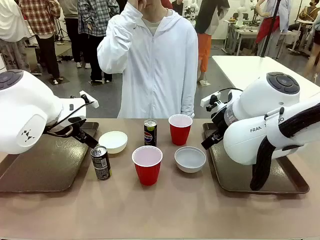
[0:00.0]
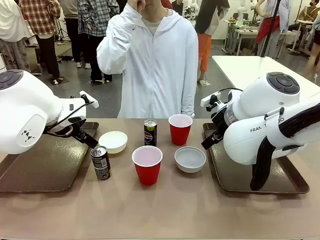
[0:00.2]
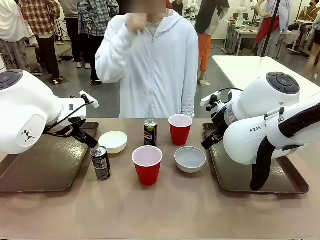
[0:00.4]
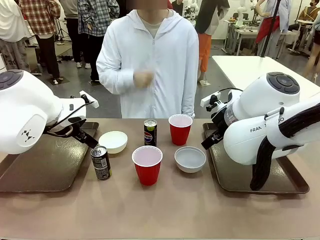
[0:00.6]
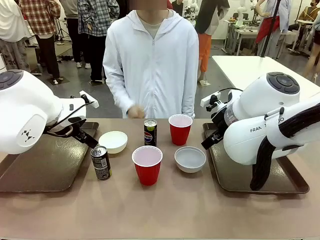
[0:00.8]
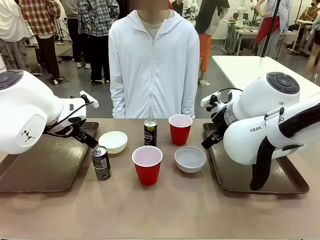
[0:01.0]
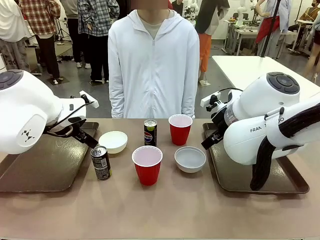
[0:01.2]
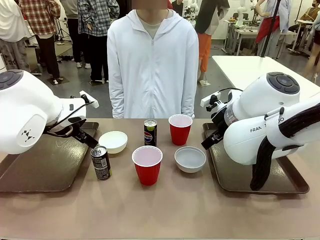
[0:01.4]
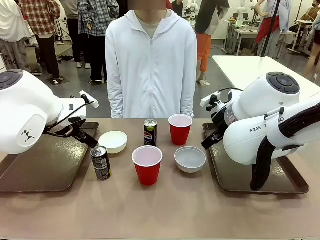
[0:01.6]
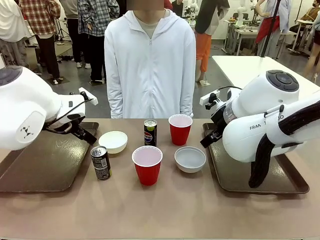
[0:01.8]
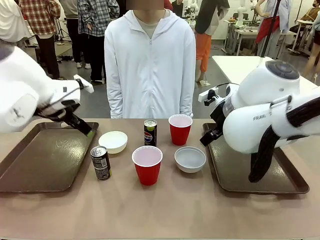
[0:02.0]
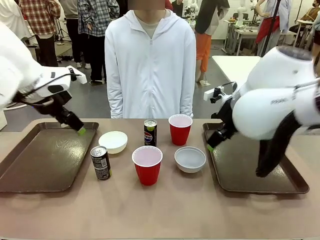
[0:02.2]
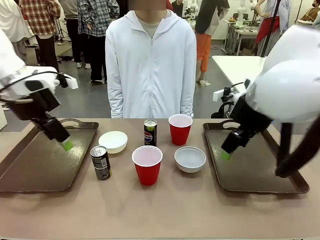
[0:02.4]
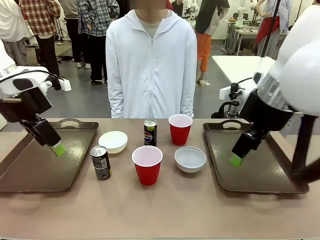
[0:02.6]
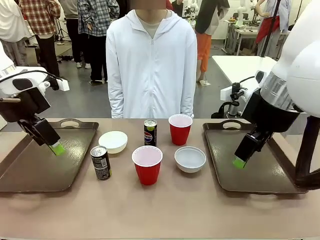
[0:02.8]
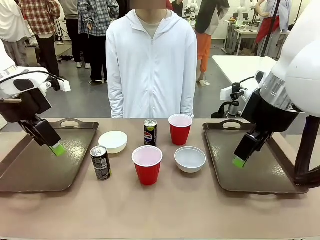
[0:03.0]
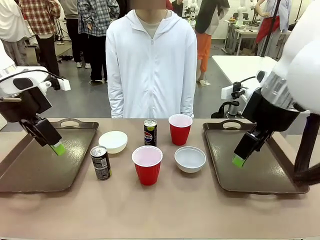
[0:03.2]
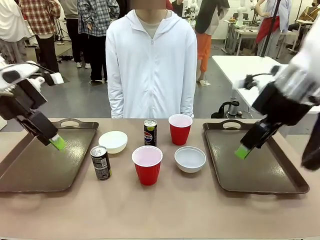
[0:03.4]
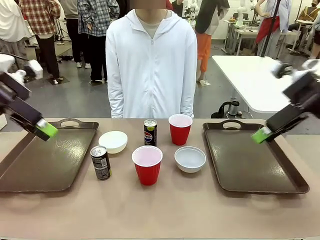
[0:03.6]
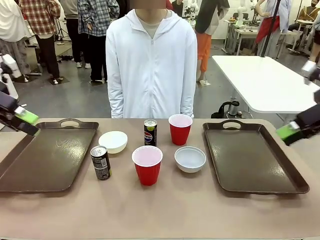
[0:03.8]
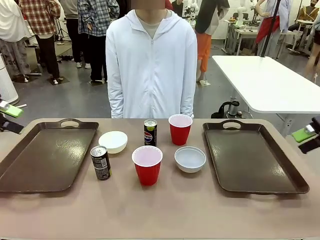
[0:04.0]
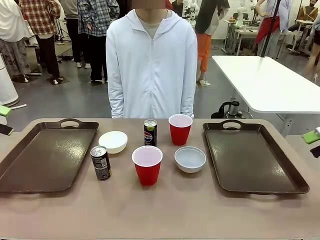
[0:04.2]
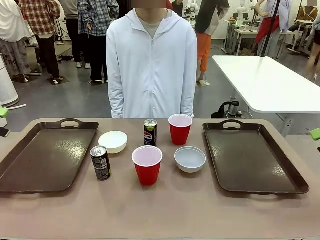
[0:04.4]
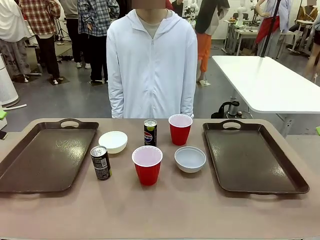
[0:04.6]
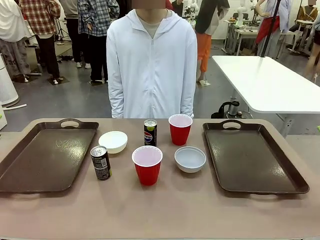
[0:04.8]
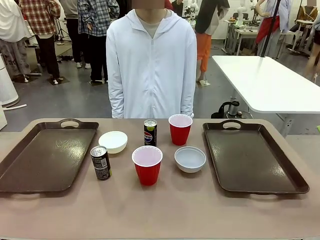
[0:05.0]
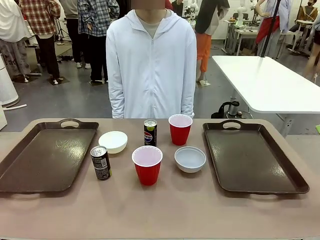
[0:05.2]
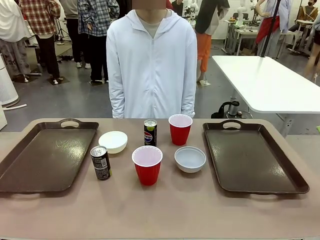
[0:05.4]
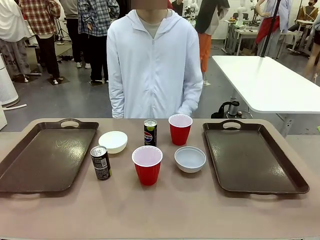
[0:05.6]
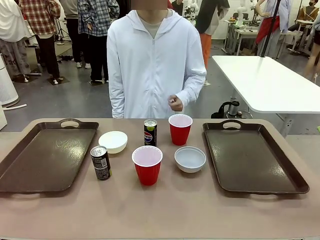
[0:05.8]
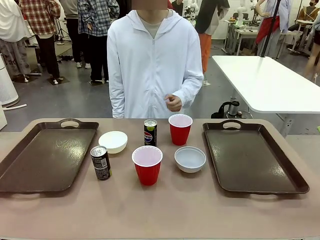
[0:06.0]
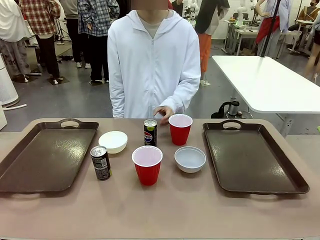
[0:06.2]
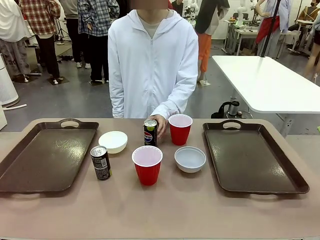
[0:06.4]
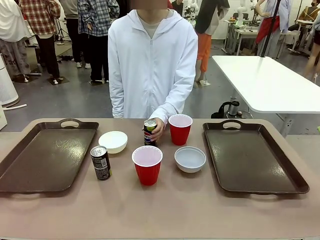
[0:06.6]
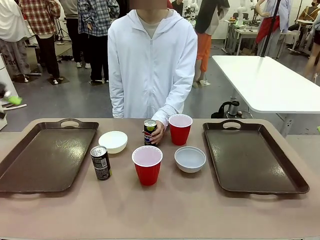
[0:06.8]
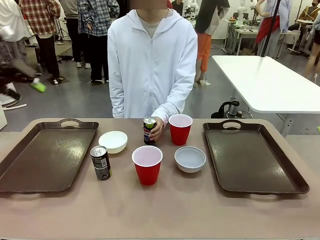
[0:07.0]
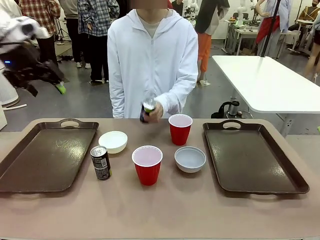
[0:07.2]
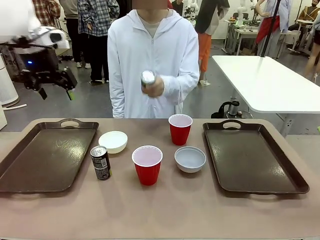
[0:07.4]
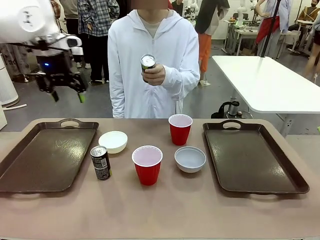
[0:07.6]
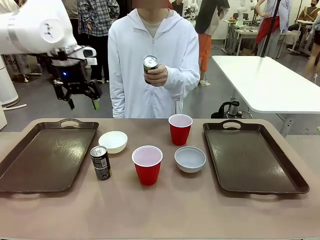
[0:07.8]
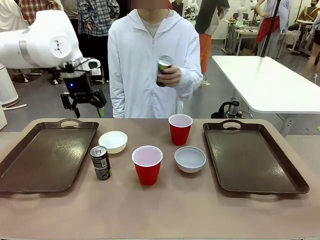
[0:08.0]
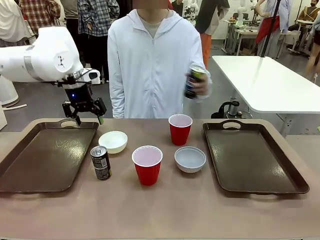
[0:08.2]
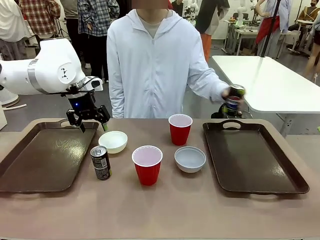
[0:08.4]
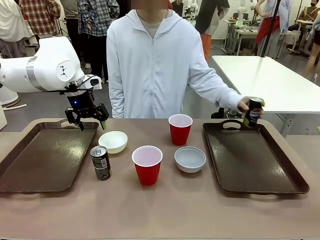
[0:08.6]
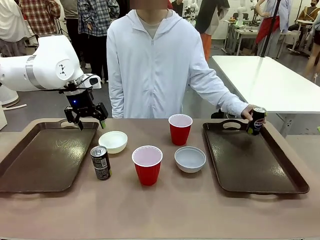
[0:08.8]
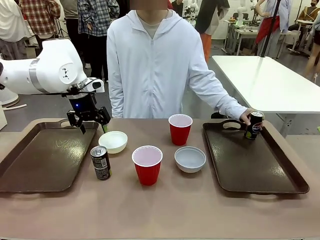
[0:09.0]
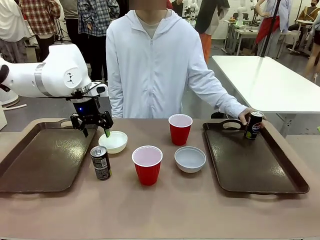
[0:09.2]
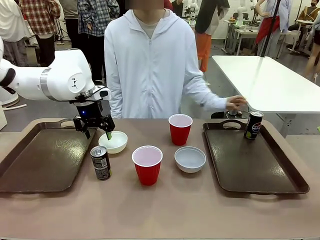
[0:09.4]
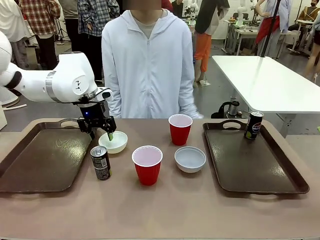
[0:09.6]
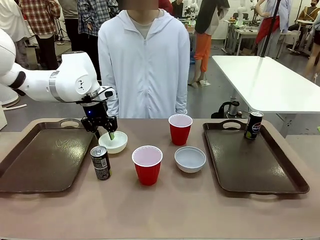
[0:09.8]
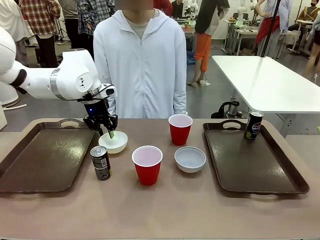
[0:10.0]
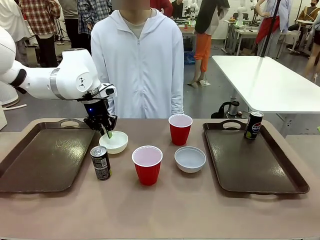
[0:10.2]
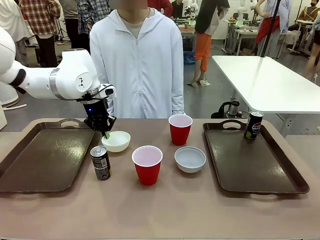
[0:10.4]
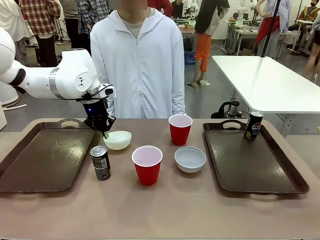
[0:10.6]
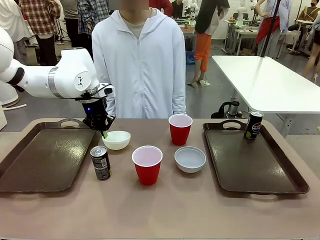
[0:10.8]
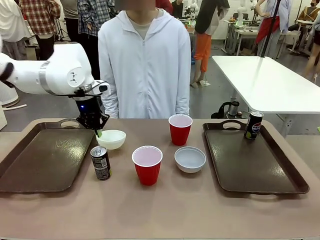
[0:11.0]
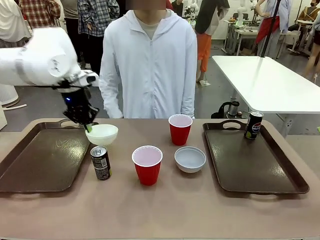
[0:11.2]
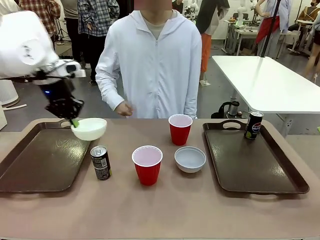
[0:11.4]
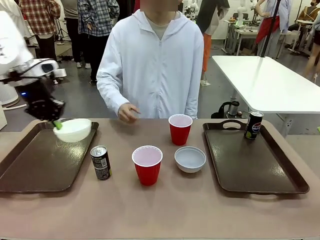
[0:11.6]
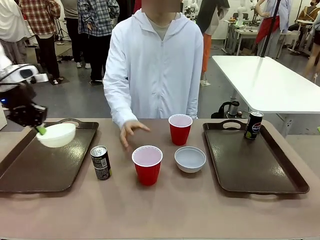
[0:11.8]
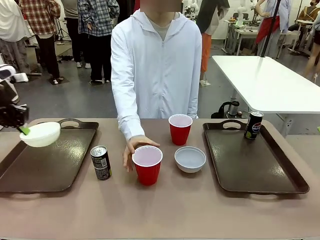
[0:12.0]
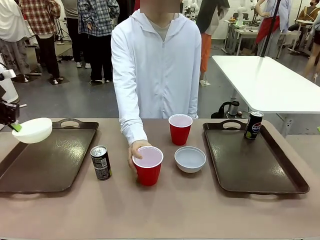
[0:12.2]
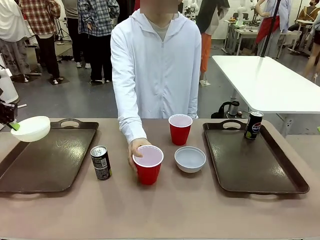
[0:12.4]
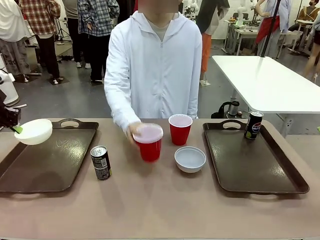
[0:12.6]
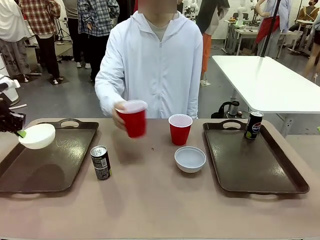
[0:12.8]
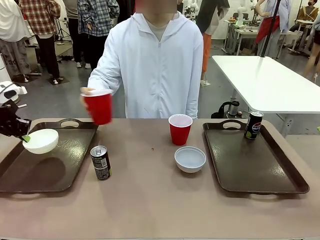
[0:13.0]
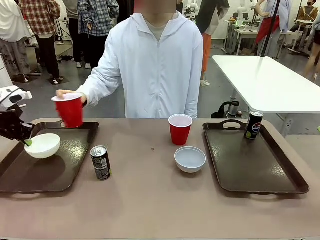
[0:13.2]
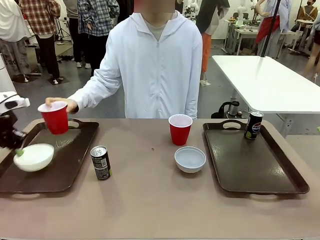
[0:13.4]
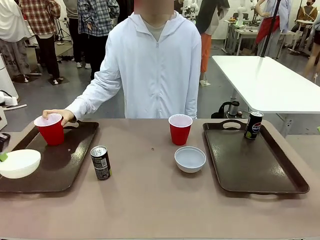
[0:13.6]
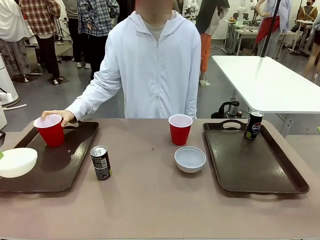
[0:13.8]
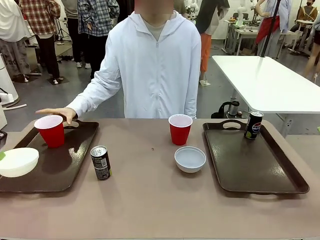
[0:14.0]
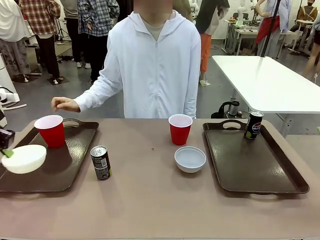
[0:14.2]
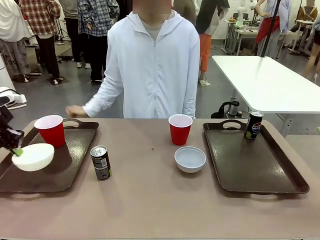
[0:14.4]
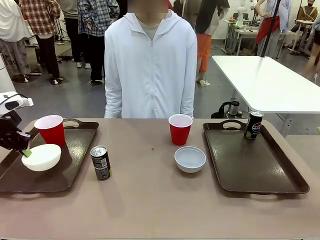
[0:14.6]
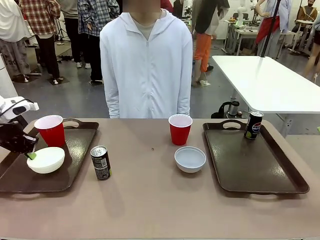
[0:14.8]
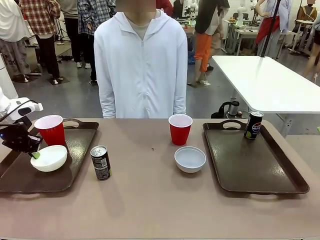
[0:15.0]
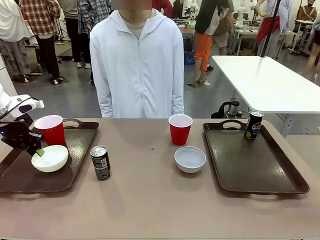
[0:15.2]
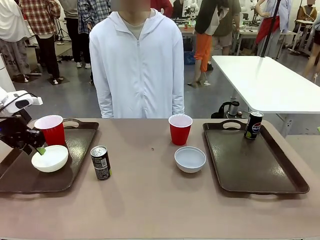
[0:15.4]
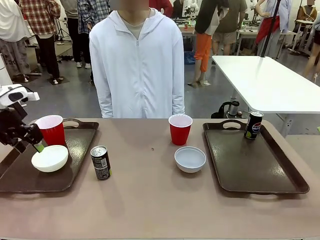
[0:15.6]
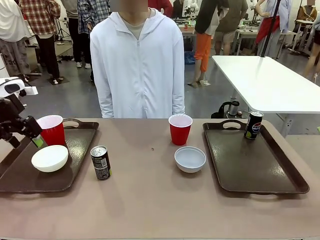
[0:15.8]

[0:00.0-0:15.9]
Task: Prepare tableware on both trays.
Robot: Pick up a Picnic Bowl from the table and place it on a Handle tray.
Person: Pick up a can or cup and place it on the tray.
